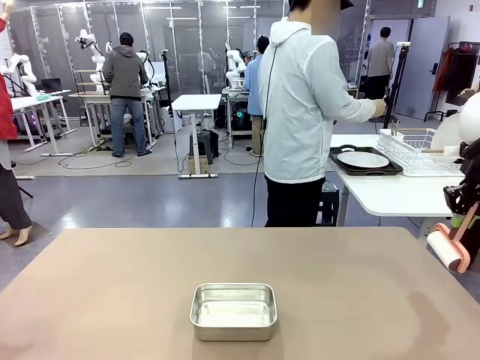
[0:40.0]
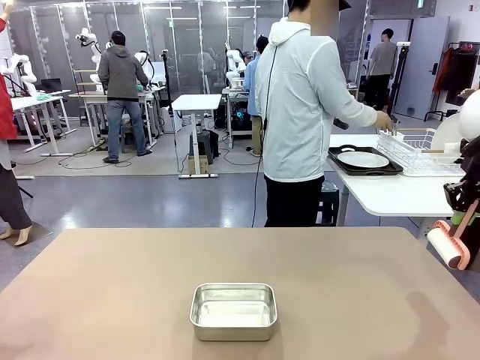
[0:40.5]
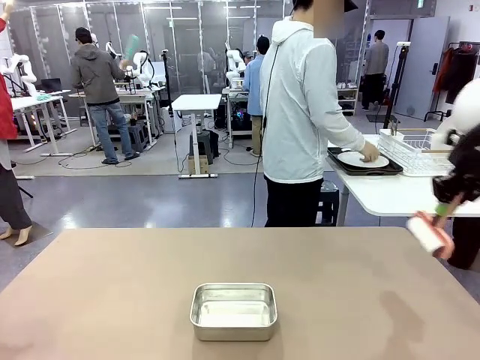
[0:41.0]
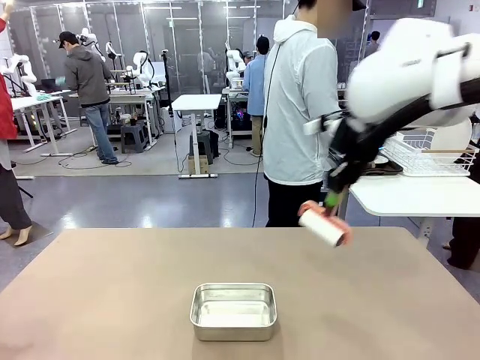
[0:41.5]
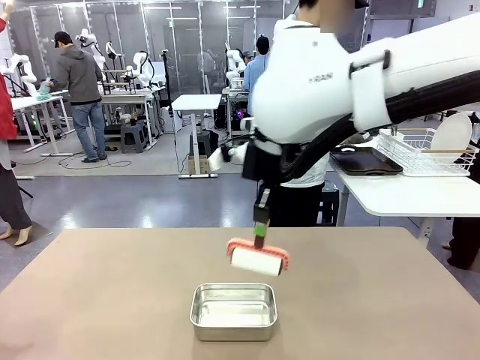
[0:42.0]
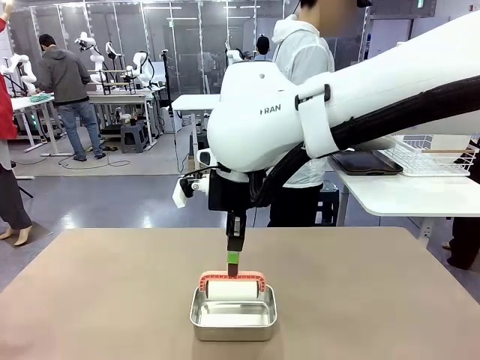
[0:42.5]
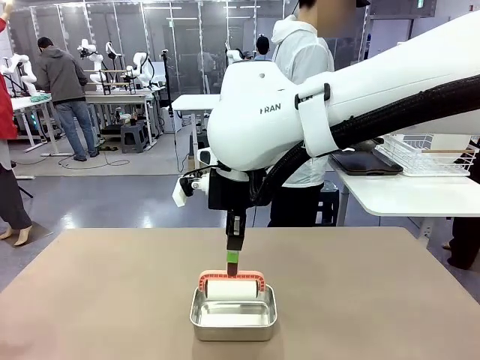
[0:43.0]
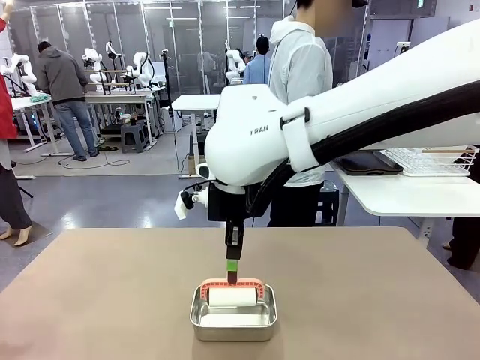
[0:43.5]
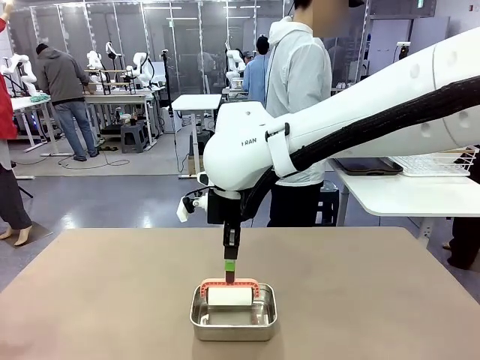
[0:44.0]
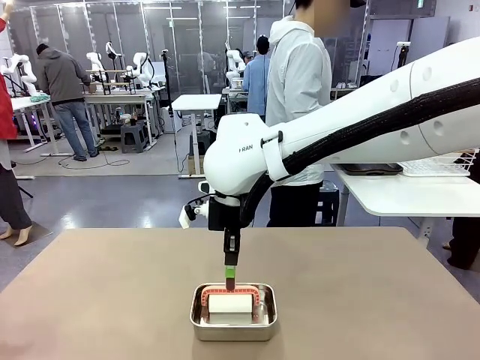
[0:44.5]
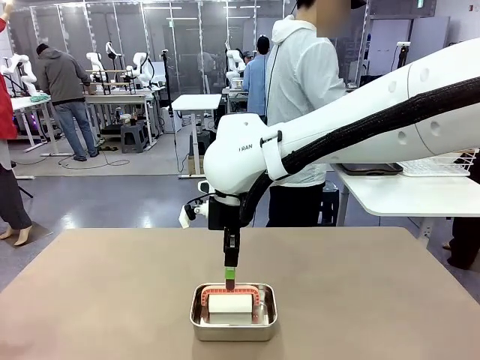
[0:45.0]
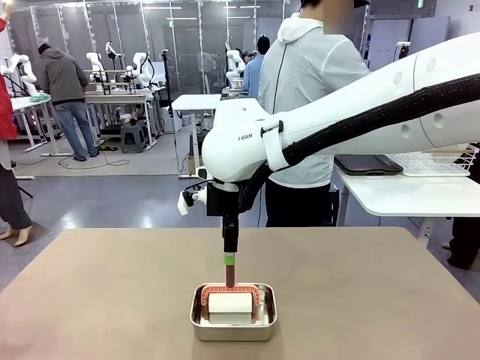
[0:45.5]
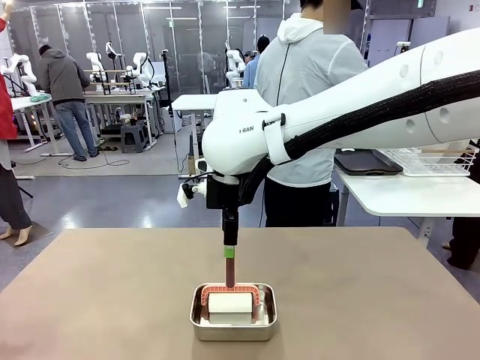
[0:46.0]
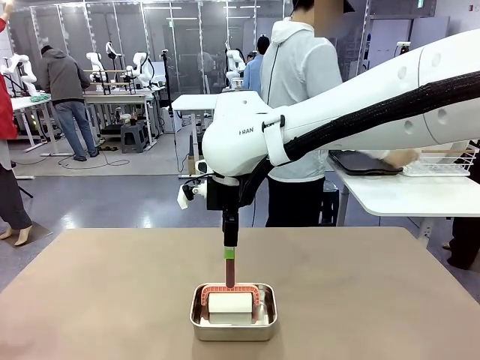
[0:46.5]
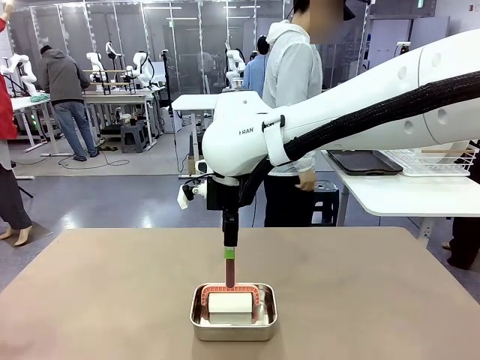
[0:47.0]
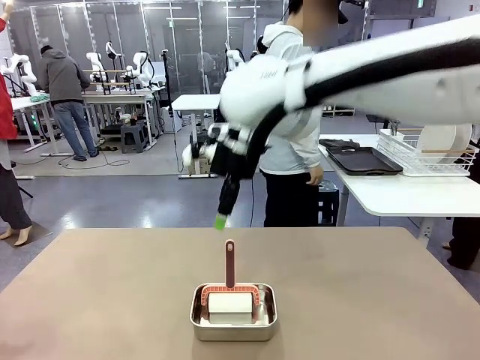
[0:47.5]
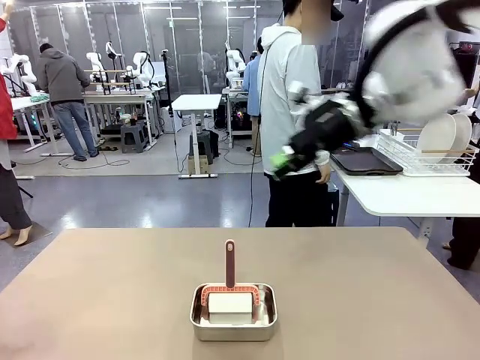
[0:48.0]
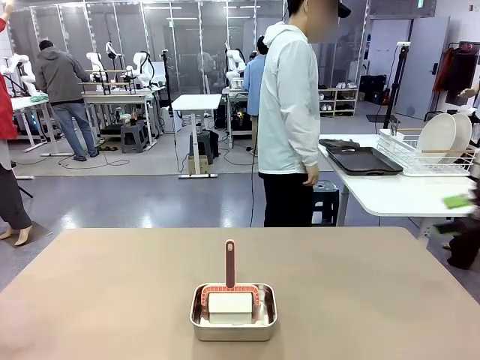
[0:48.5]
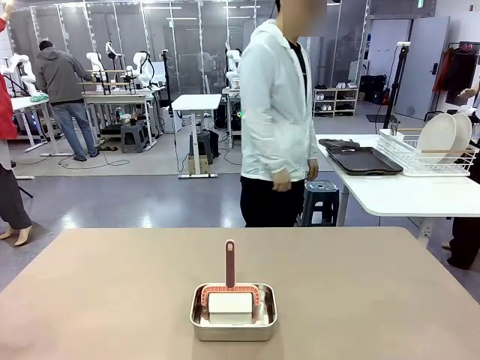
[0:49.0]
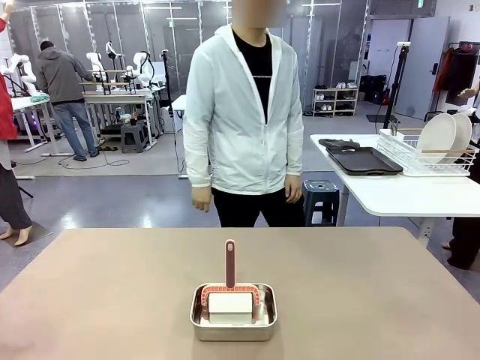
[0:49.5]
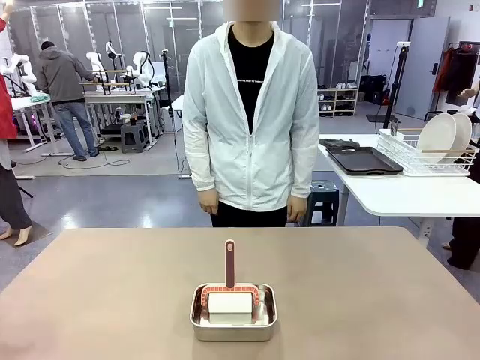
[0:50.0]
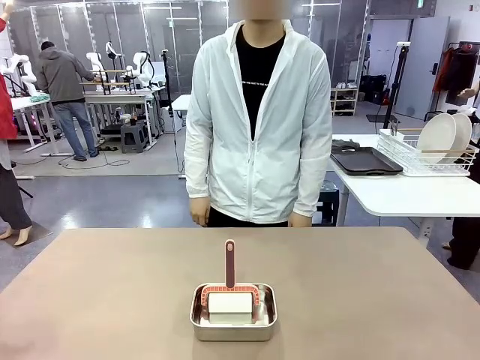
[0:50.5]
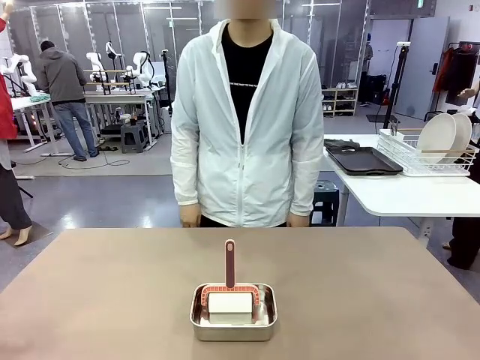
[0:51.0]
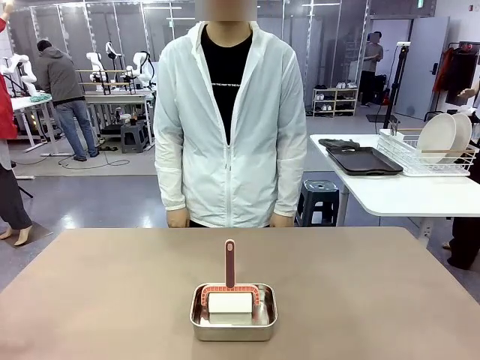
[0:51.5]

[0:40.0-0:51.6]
Robot: Place the Lint Roller back on top of the Airtight Container.
Person: Use the Towel with hook to wipe the Plastic Matte Plate , Fork , and Knife and place into the Dish drying rack.

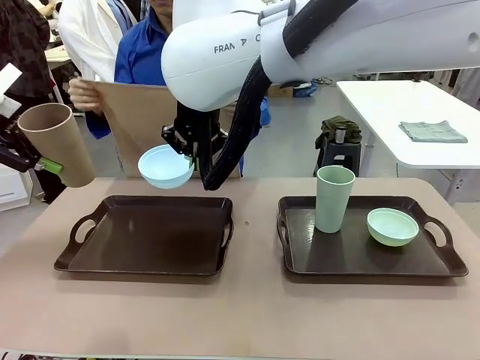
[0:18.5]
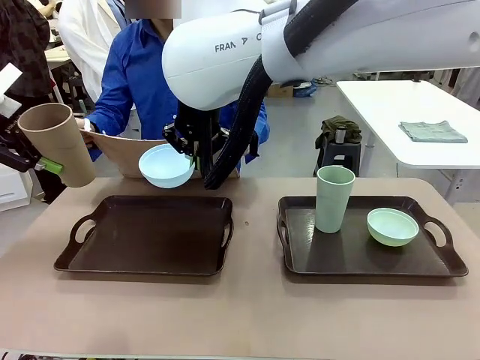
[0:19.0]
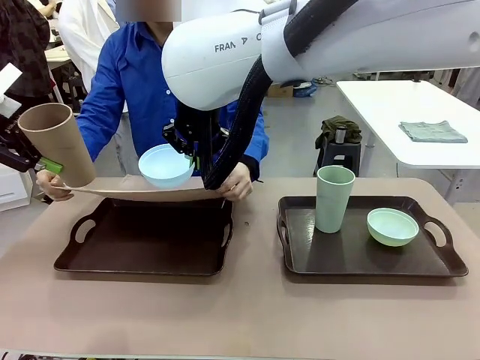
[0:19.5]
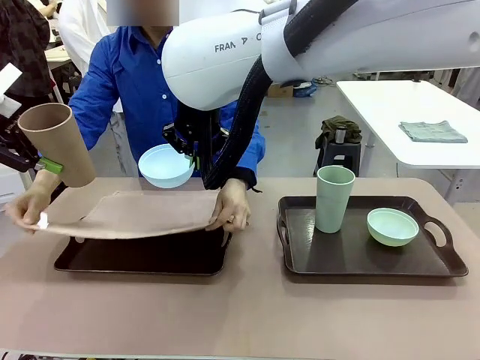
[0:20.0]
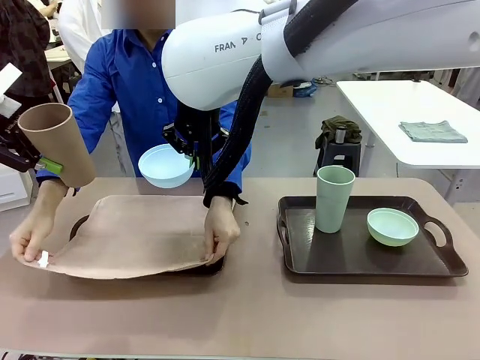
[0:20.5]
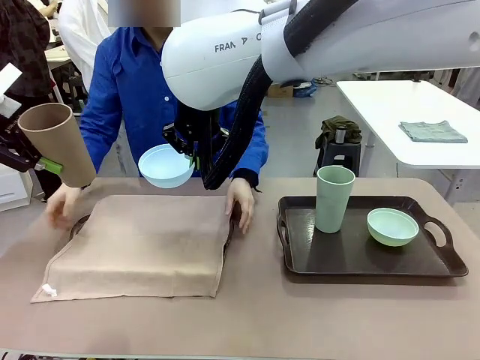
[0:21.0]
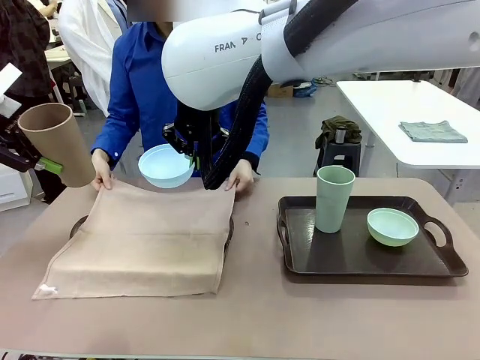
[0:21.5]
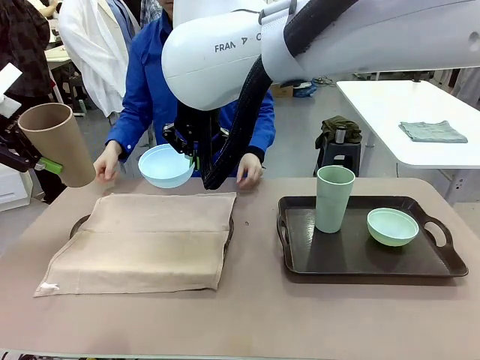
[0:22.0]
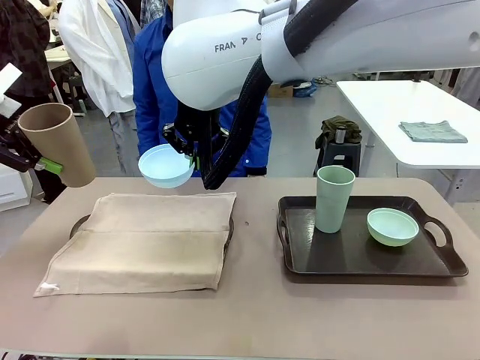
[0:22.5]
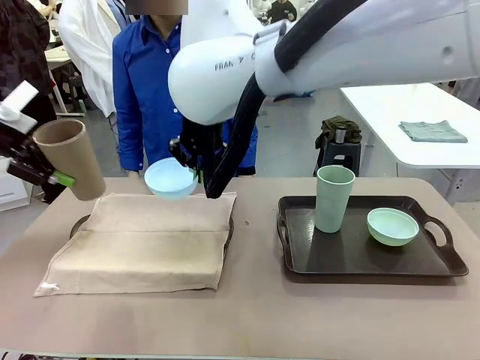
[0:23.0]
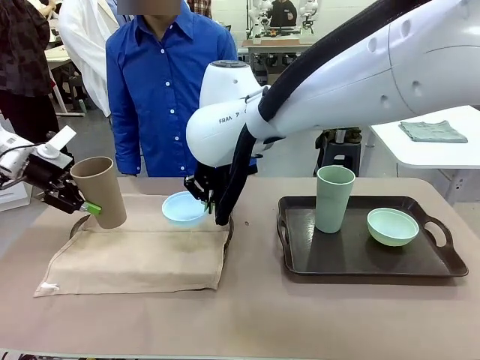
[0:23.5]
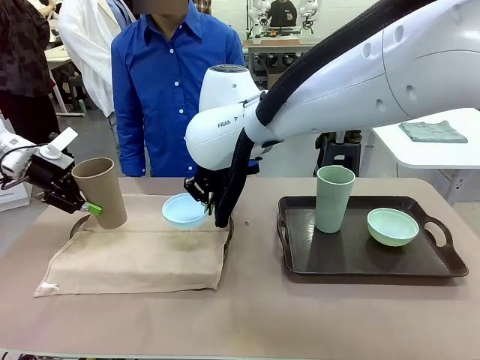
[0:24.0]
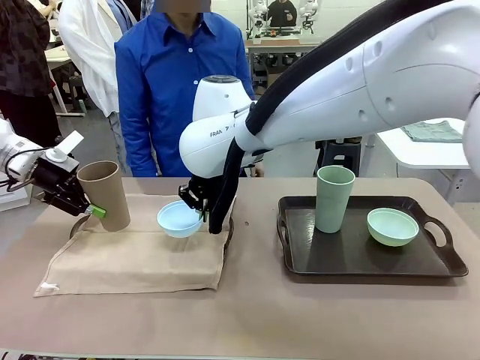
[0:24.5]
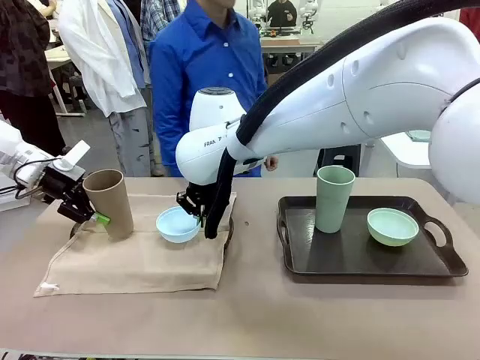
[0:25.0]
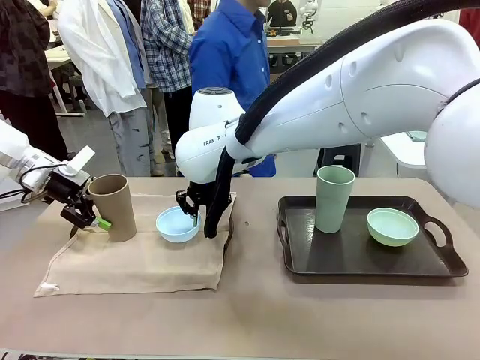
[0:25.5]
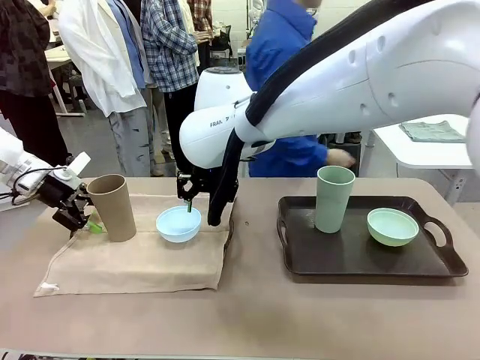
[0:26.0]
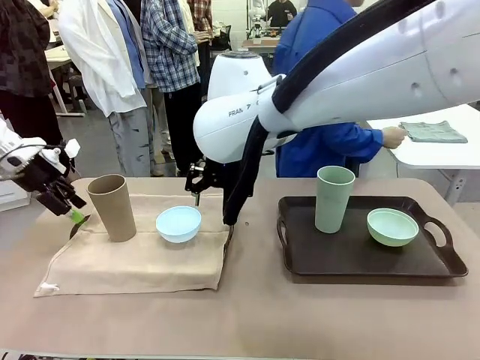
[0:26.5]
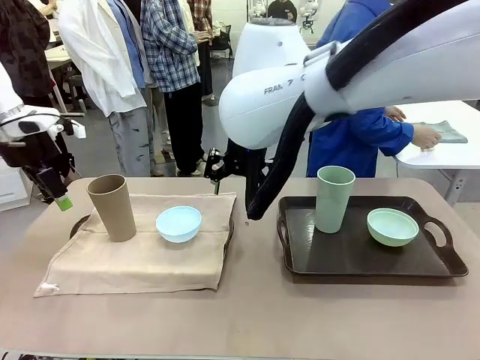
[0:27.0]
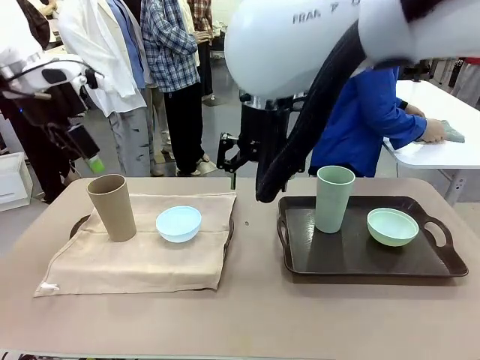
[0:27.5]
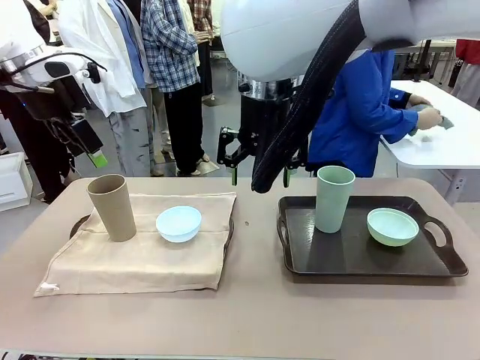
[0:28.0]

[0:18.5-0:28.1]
Robot: Place the Picnic Bowl and Reusable plastic cup back onto the Handle tray in front of the human's position.
Person: The human returns to the human table to pick up another napkin and walks to the robot table to stand in front of the tray without a napkin.

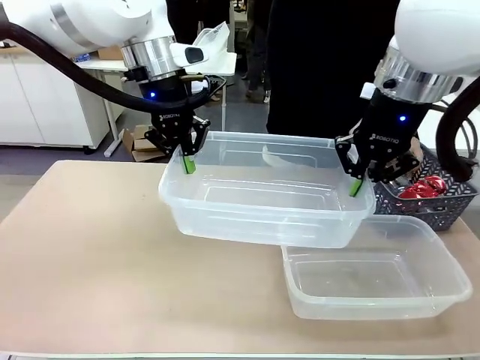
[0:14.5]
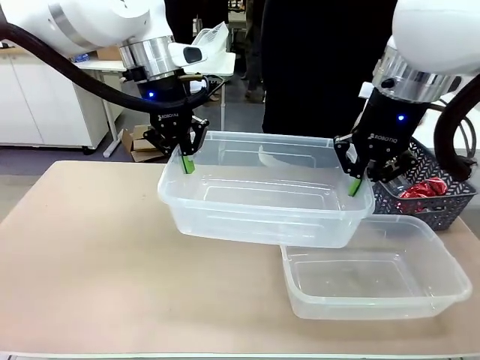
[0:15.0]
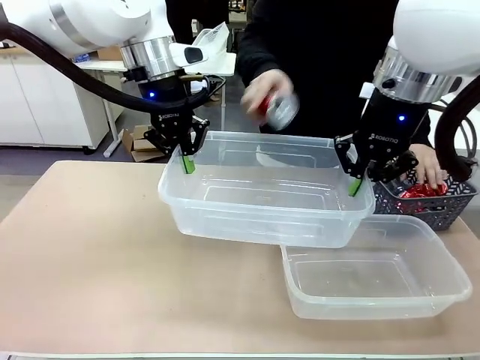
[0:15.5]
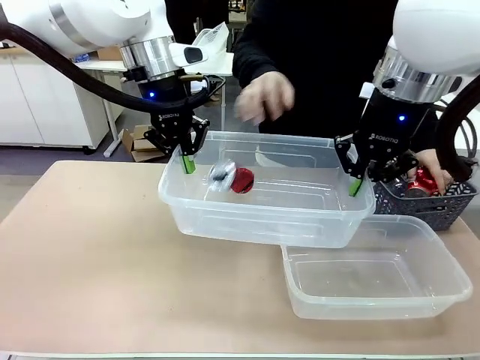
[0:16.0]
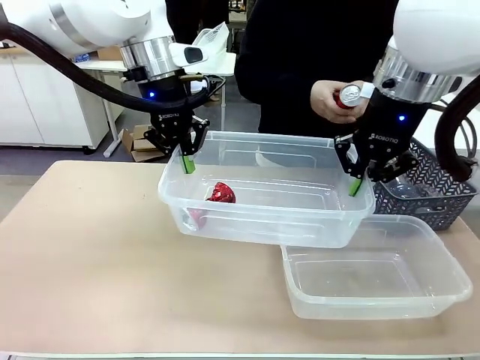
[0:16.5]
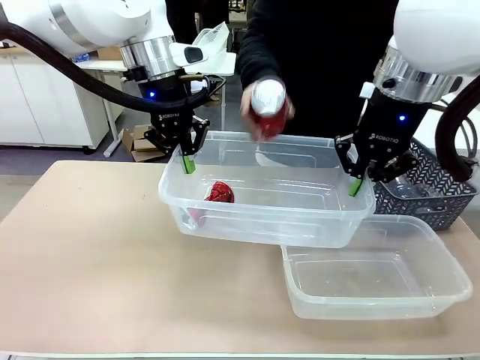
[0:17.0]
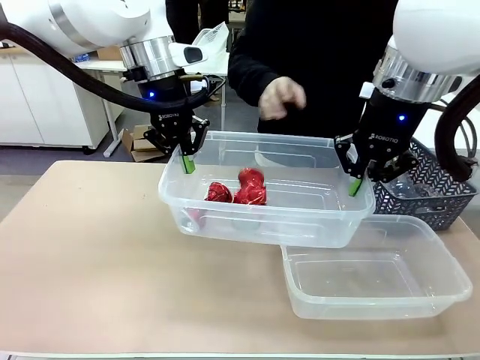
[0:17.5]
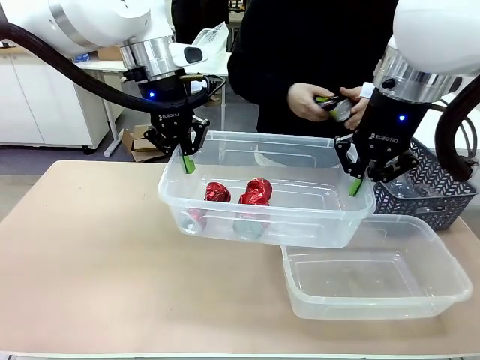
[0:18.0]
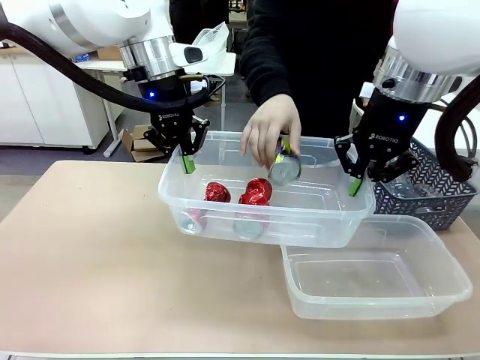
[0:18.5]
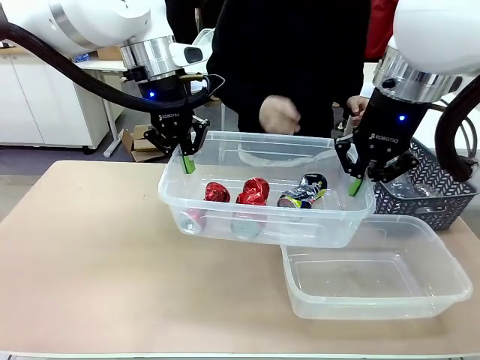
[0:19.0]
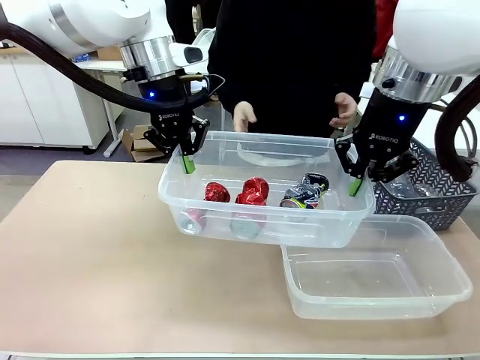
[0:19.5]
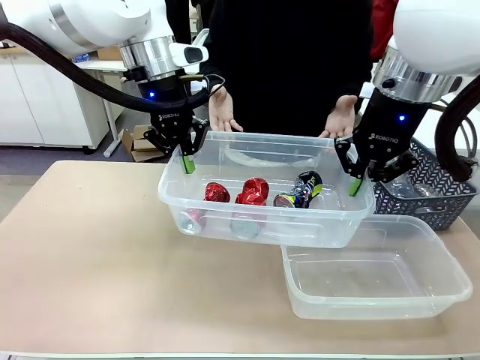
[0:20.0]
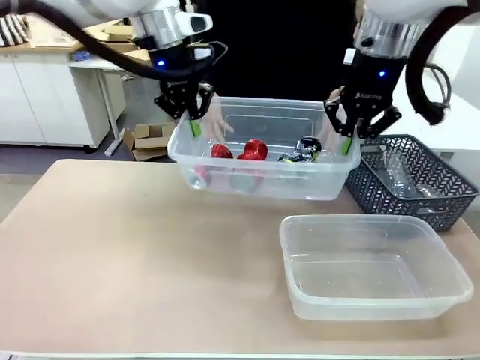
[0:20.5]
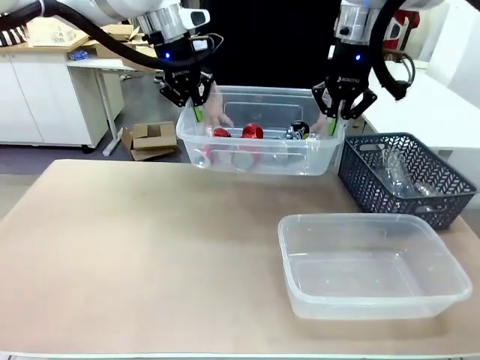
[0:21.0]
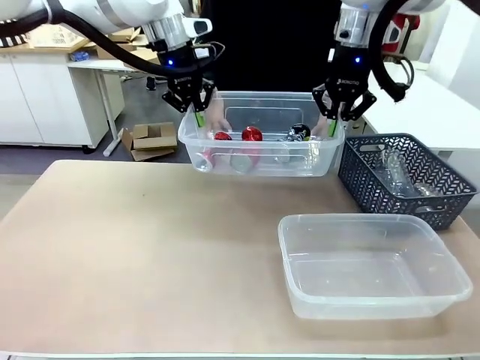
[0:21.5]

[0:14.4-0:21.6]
Robot: Offer the picked Organizing box to the human.
